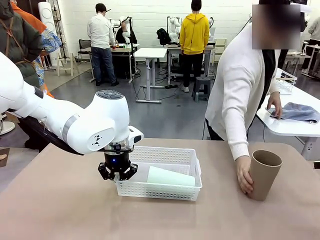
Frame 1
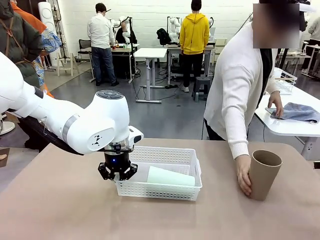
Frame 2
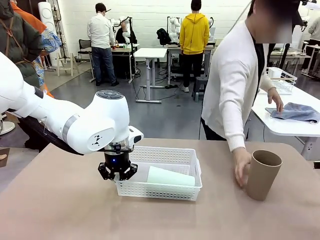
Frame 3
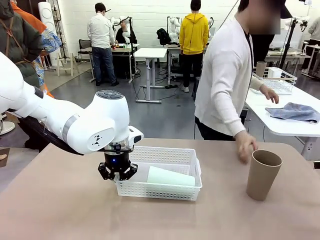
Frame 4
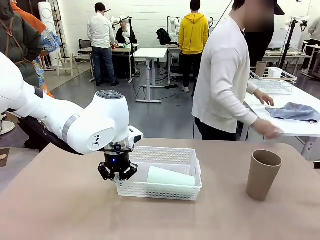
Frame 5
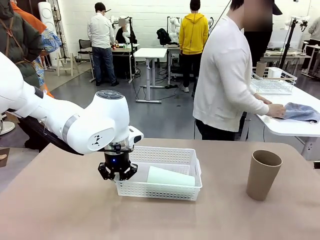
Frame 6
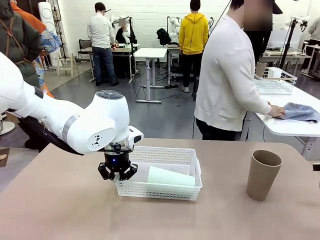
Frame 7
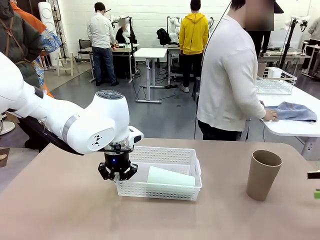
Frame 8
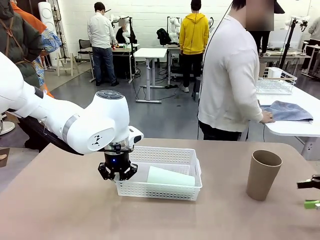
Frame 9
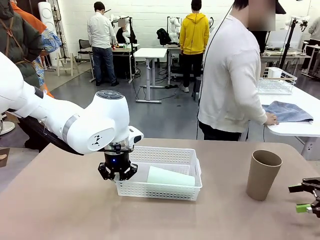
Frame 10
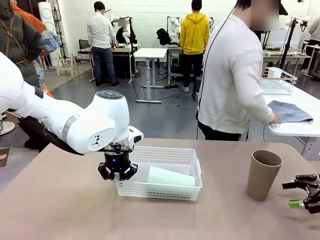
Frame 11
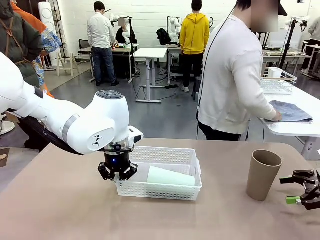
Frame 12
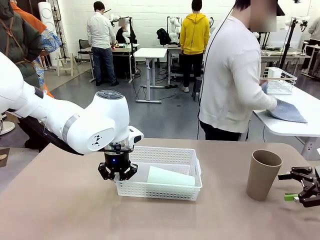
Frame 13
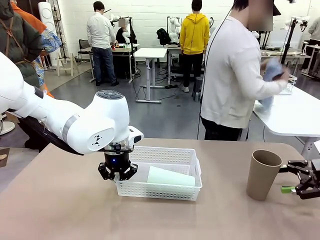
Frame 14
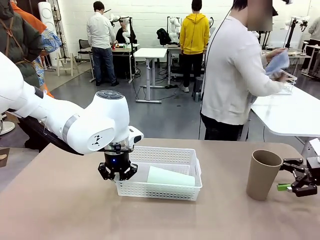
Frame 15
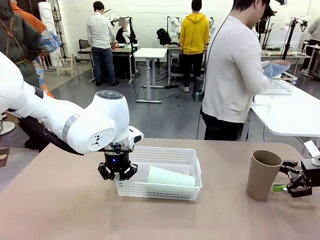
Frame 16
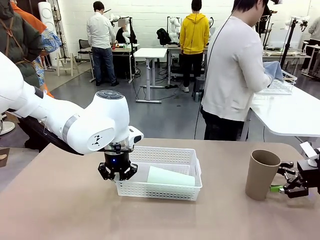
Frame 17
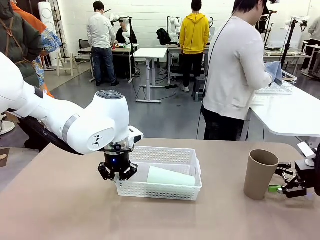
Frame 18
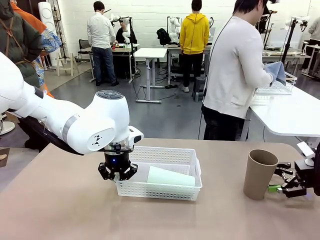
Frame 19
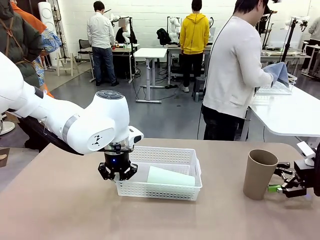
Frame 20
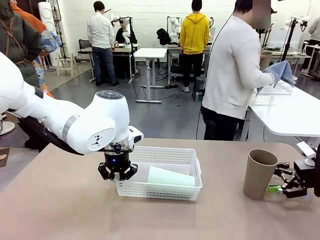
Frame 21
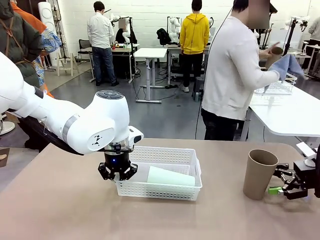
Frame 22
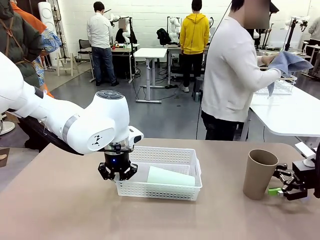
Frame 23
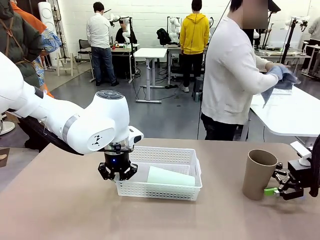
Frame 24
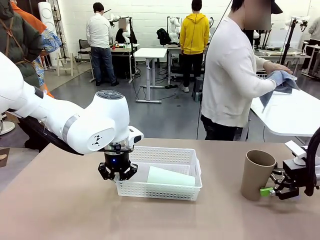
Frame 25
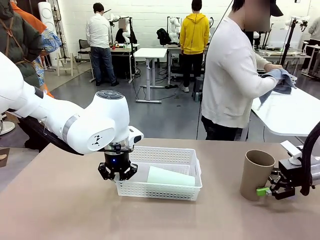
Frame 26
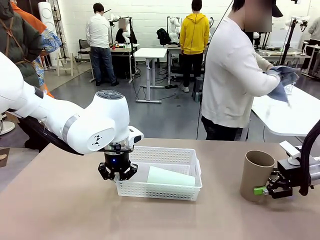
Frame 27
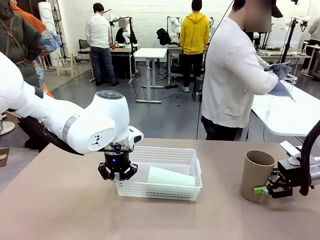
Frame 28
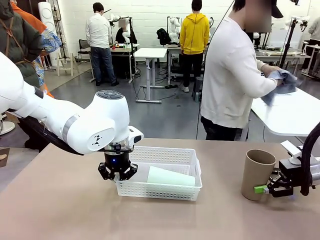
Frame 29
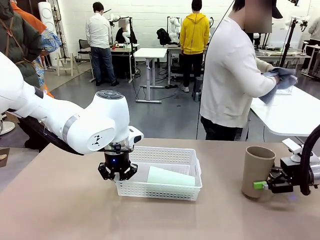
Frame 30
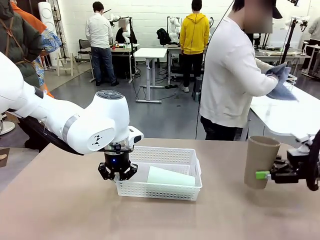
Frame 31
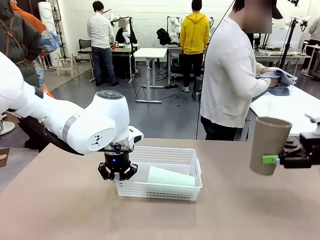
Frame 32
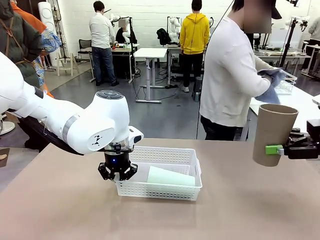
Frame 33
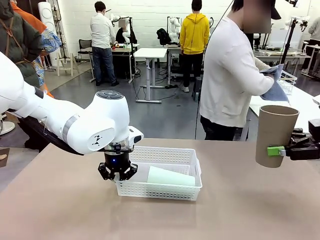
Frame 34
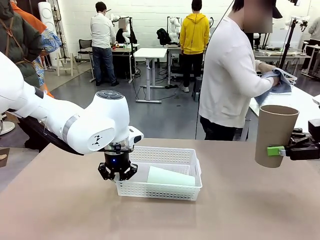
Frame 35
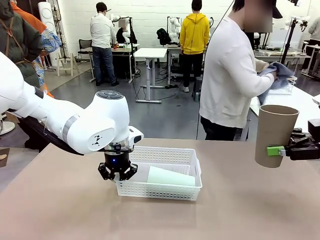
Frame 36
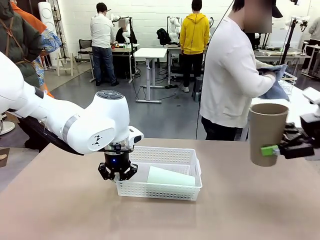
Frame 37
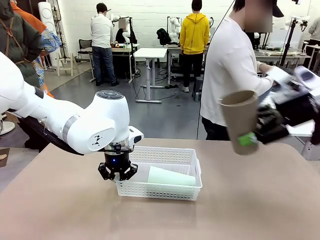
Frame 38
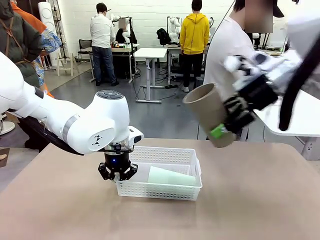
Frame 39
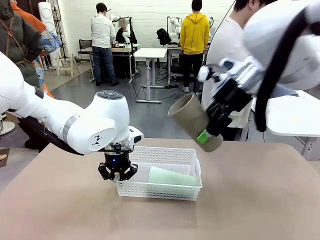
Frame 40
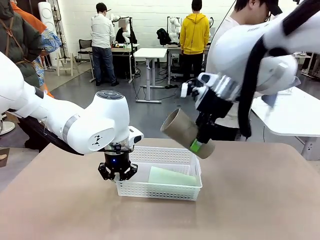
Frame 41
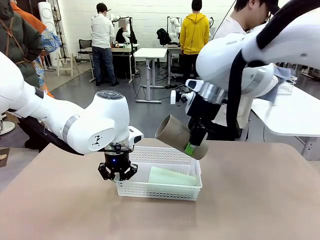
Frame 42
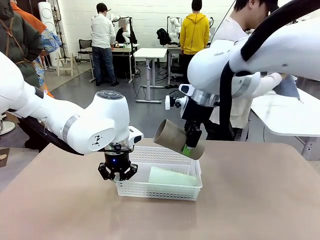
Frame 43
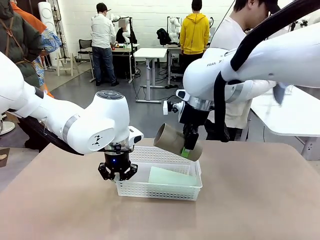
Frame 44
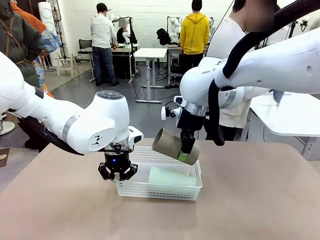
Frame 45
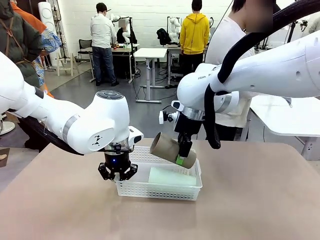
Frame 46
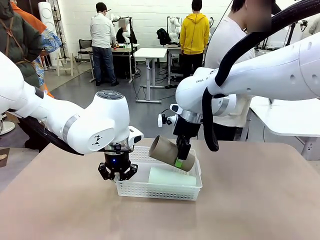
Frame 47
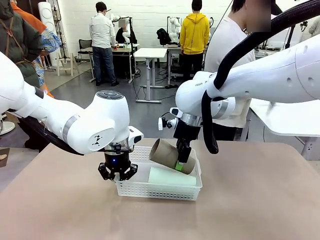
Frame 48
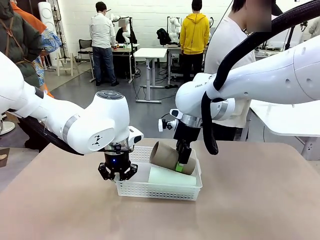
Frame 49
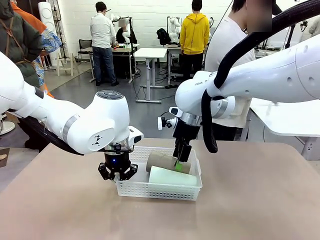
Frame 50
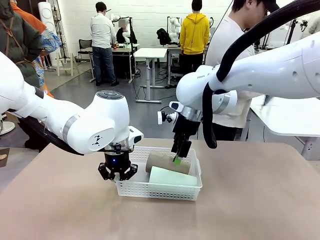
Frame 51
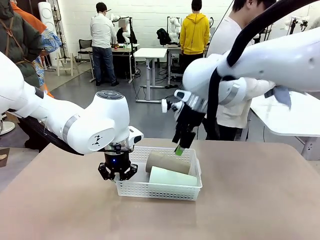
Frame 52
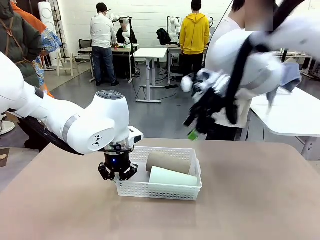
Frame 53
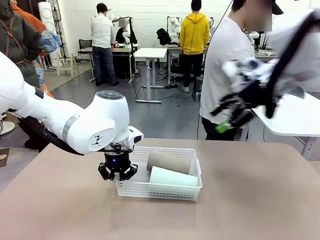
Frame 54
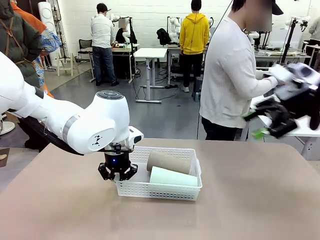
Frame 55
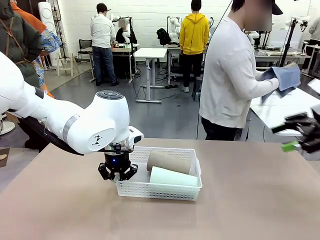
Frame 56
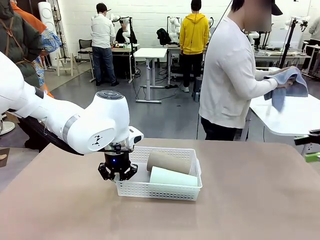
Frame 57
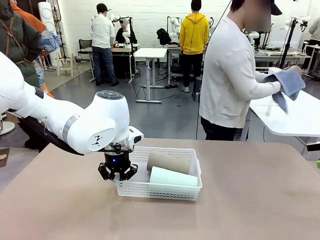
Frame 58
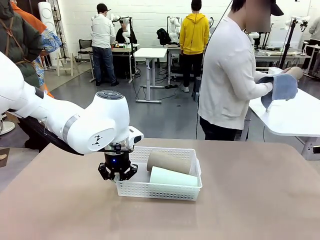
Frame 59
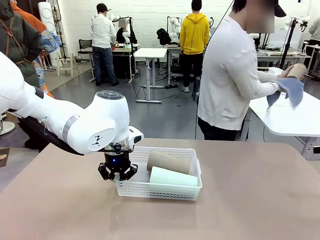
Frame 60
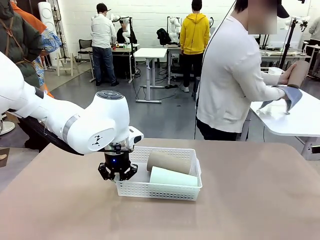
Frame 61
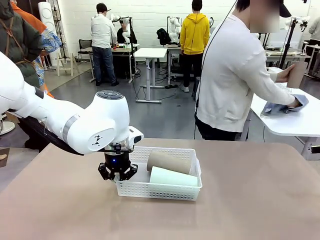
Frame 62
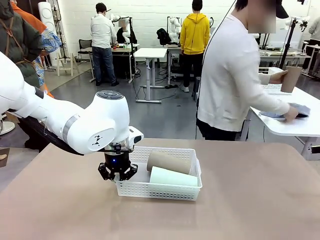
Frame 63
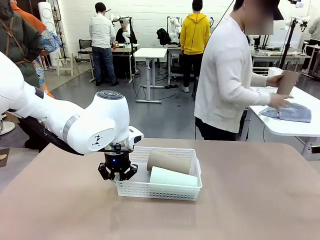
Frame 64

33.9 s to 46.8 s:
Task: Clean and organize the cups into the basket.
Robot: Pick up the Reusable plastic cup from the right side of the table and stack it inside the Organizing basket in the center of the table.
